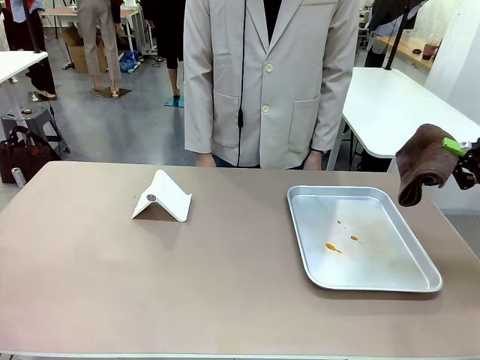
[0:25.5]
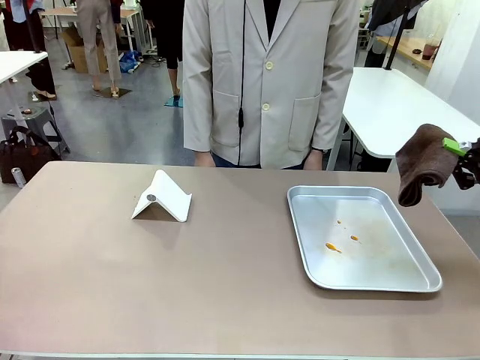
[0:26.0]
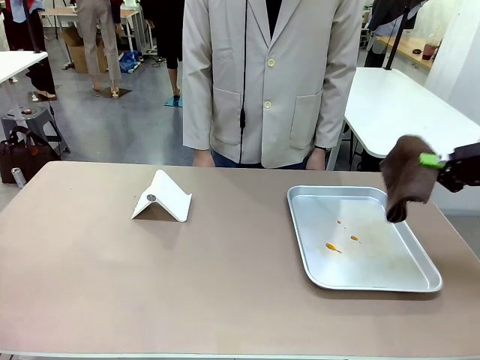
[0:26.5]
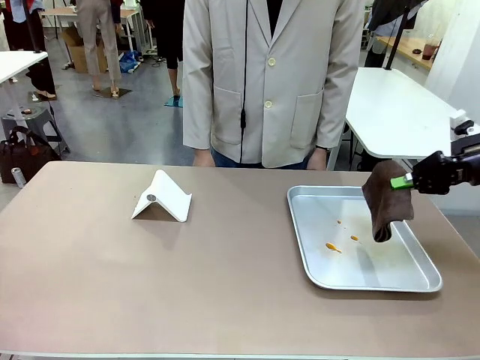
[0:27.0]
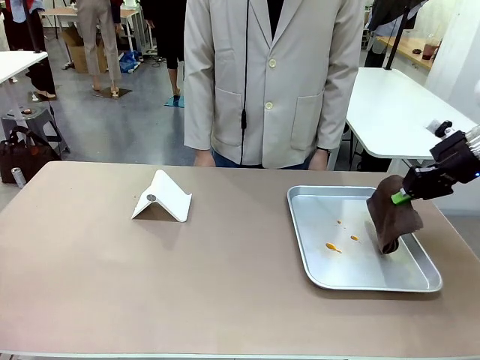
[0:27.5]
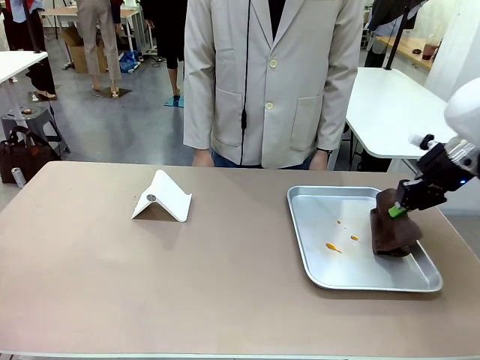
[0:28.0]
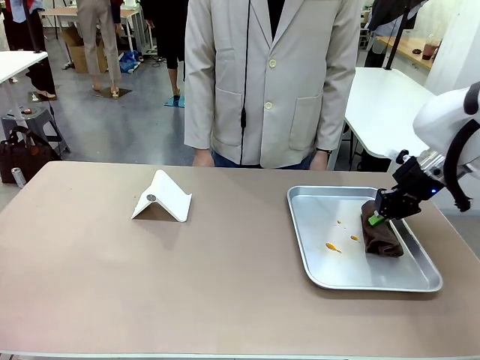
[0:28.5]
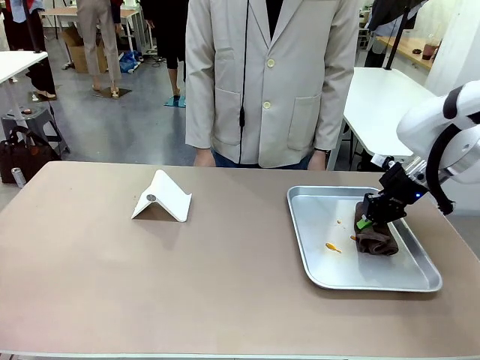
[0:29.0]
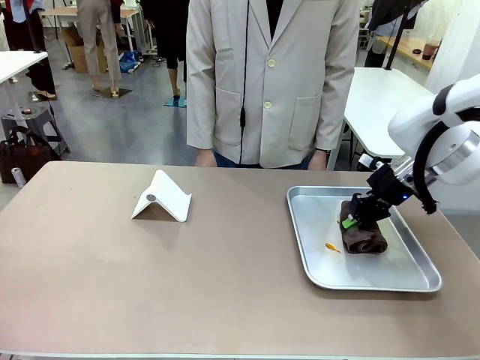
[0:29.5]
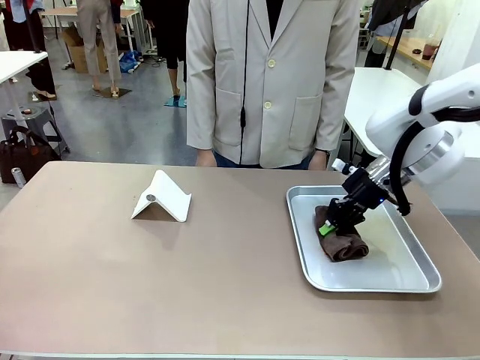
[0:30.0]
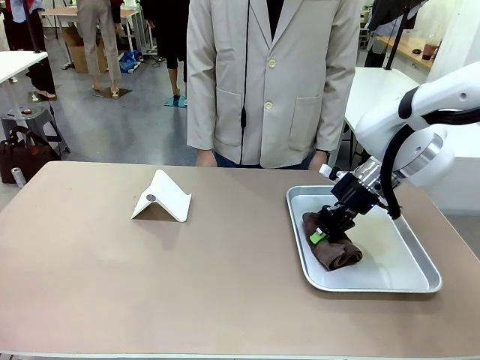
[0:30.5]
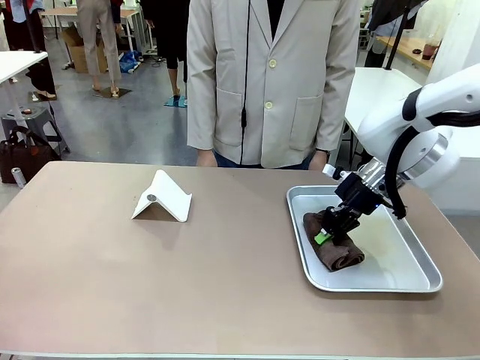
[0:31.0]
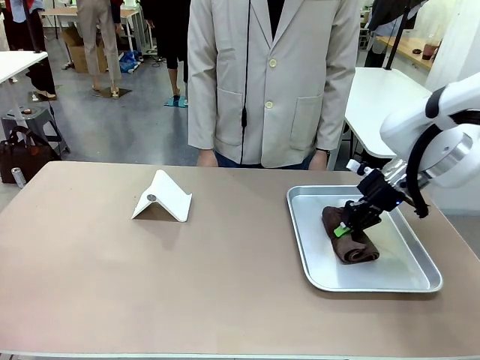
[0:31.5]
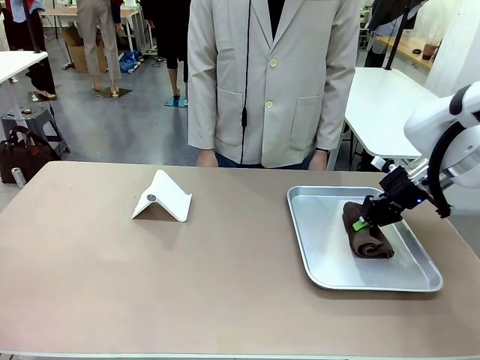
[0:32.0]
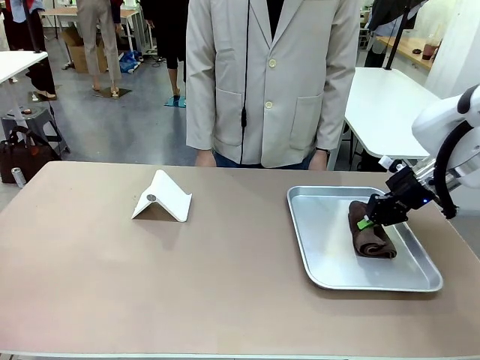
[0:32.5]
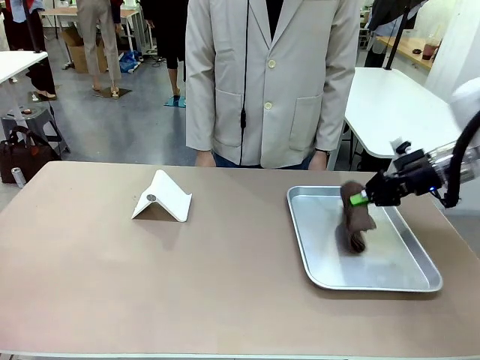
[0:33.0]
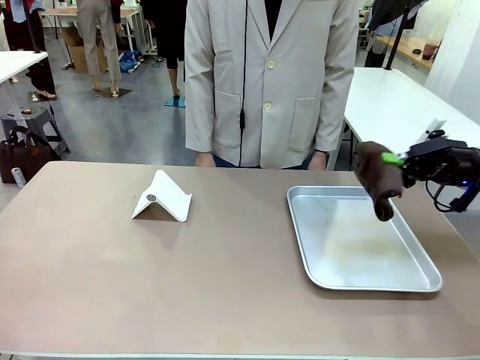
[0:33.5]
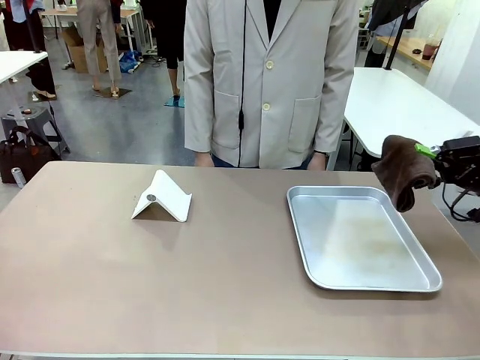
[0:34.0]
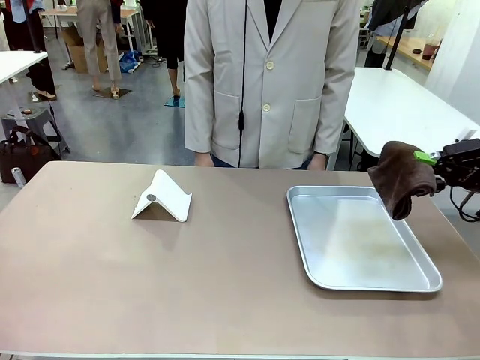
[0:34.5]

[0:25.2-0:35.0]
Task: Clean the surface of the table.
Robot: Clean the area not pointed to by the person.

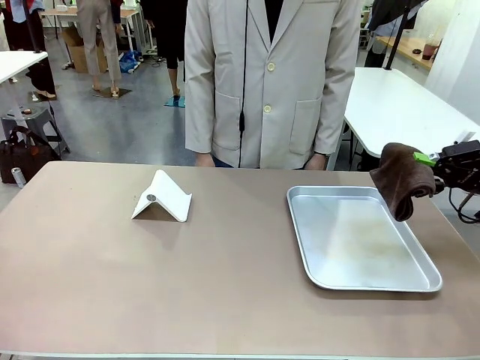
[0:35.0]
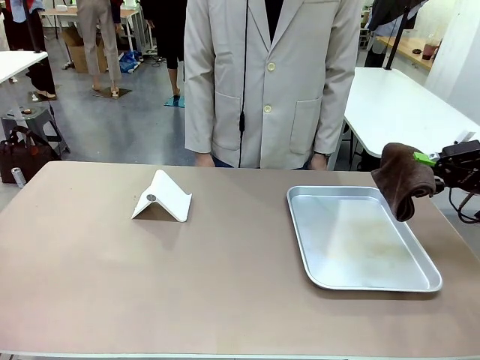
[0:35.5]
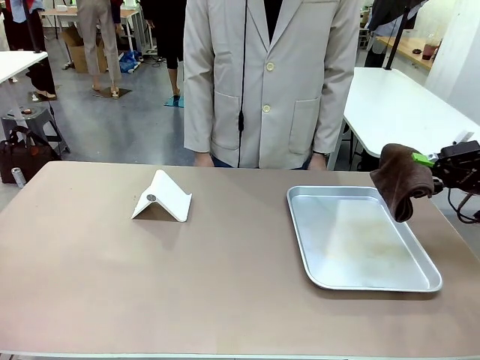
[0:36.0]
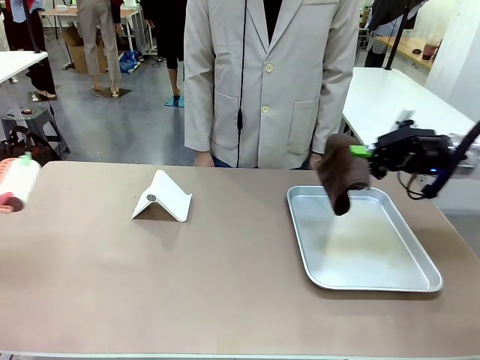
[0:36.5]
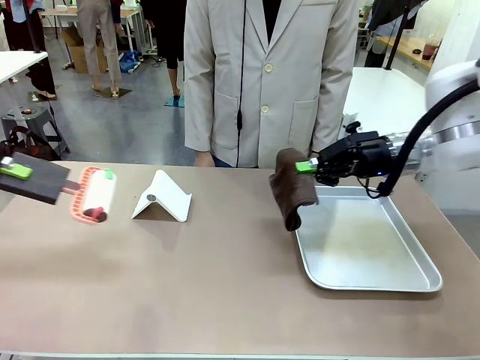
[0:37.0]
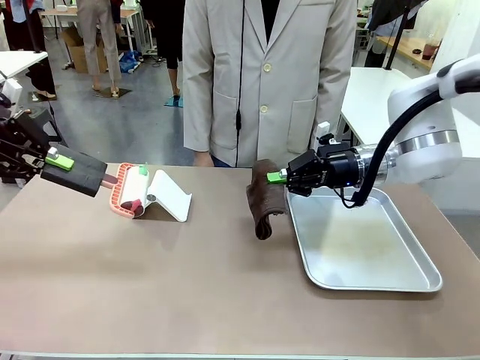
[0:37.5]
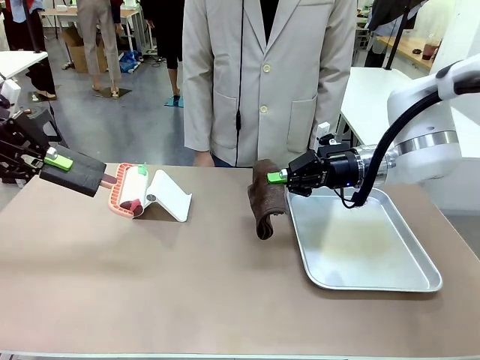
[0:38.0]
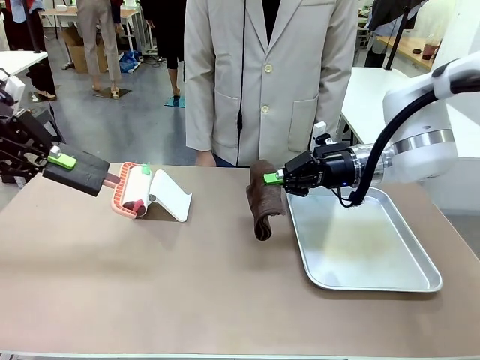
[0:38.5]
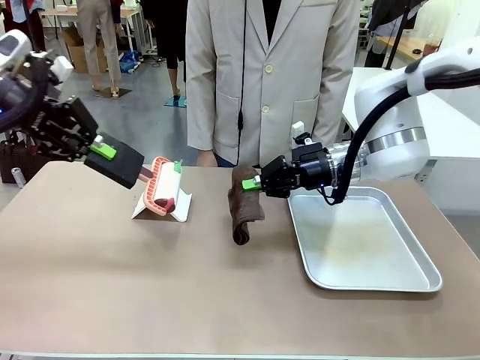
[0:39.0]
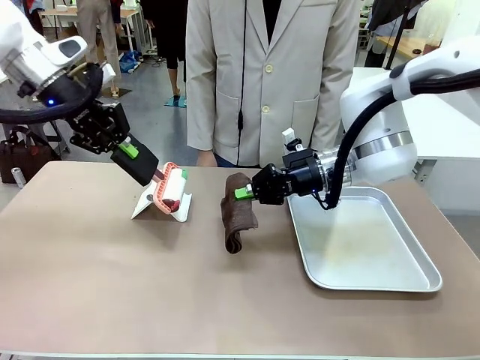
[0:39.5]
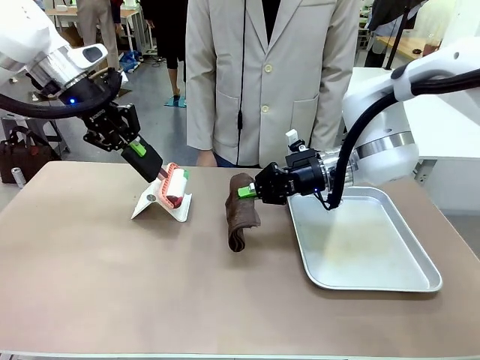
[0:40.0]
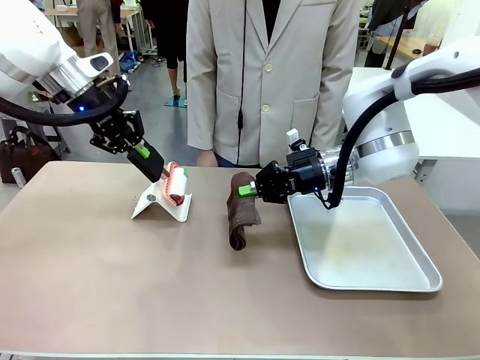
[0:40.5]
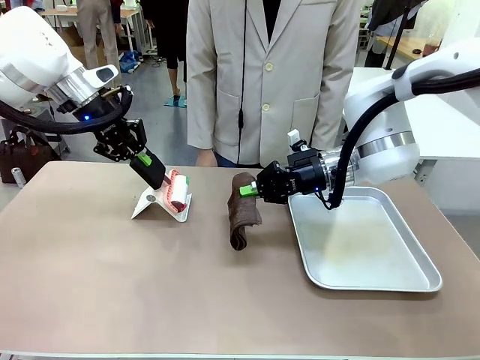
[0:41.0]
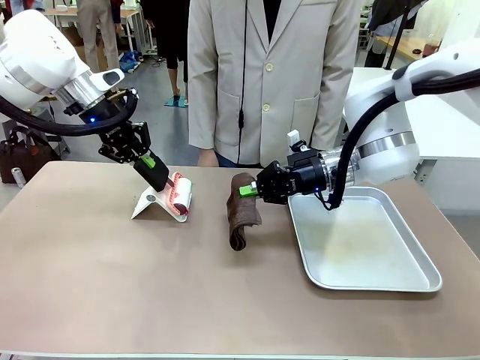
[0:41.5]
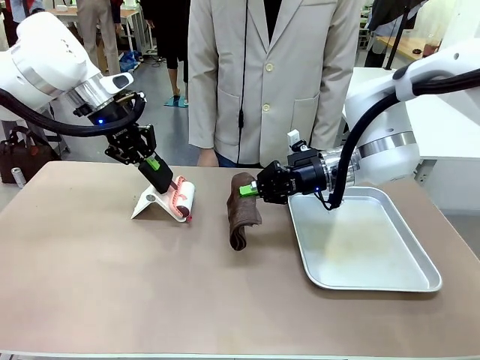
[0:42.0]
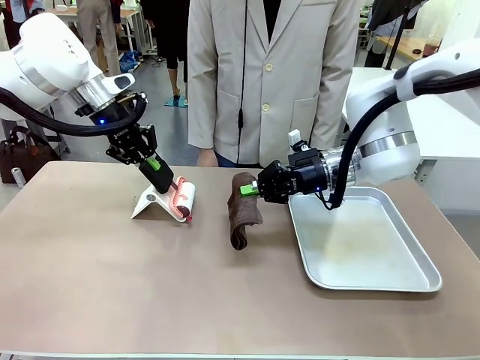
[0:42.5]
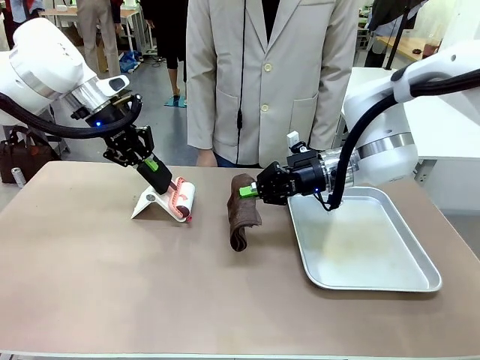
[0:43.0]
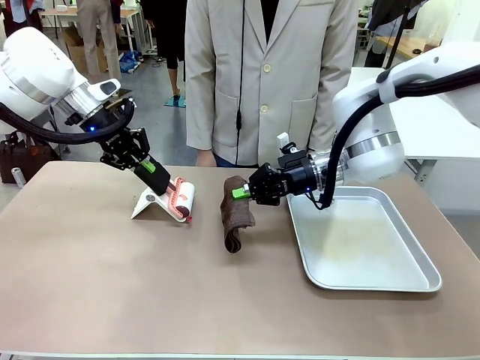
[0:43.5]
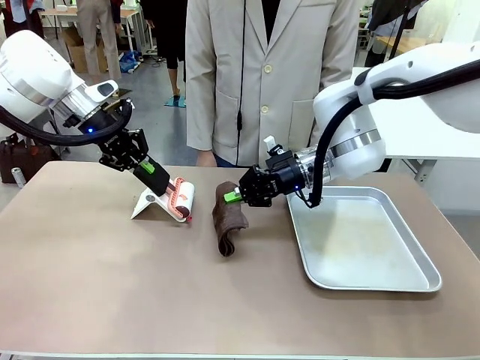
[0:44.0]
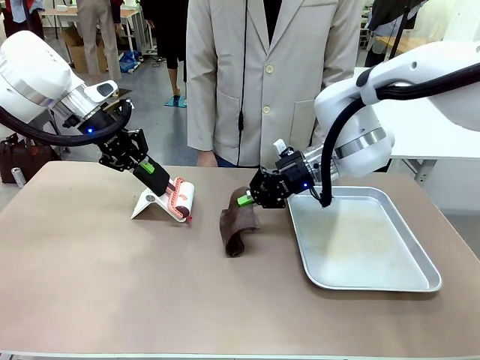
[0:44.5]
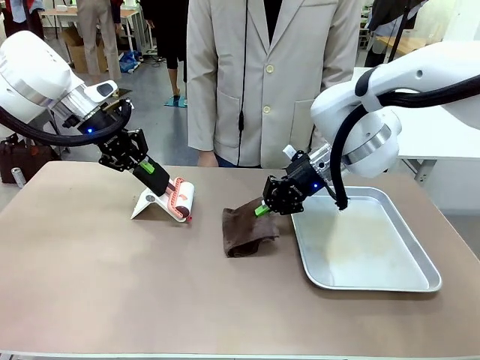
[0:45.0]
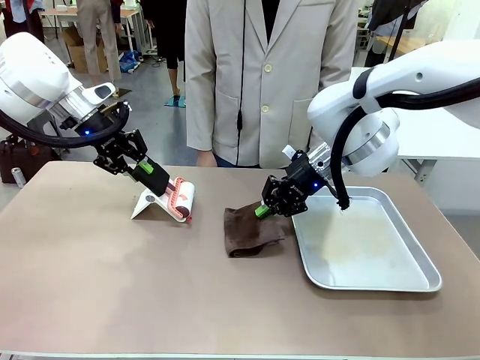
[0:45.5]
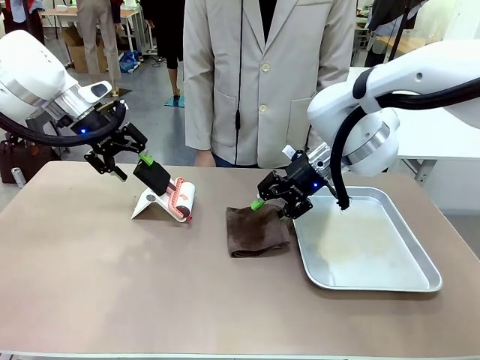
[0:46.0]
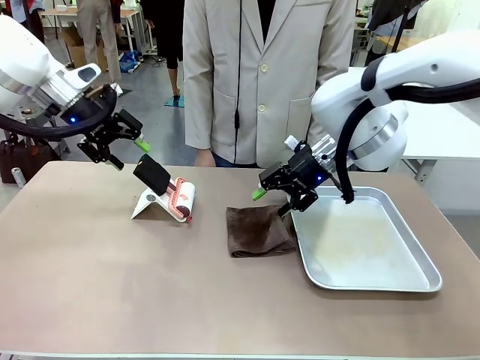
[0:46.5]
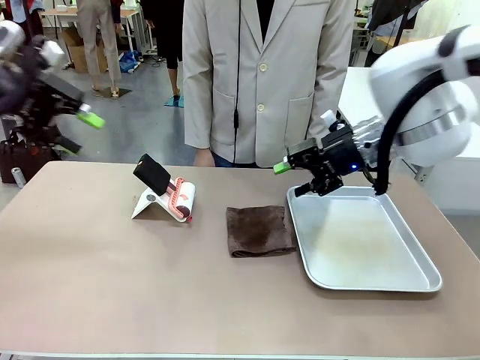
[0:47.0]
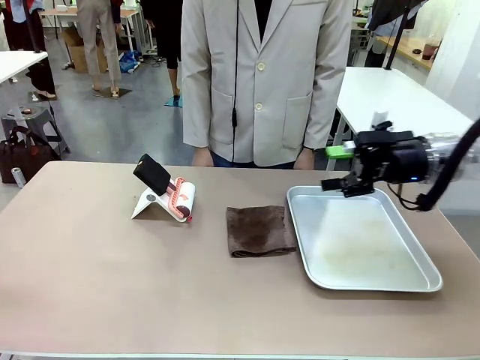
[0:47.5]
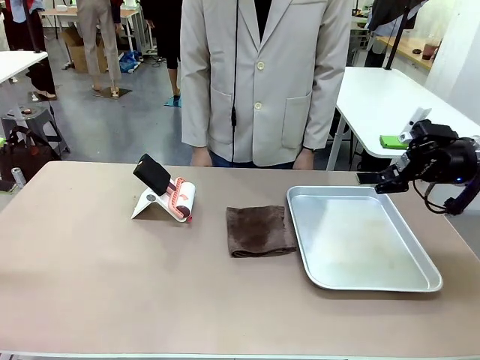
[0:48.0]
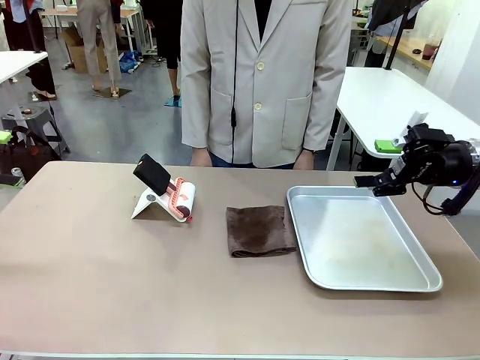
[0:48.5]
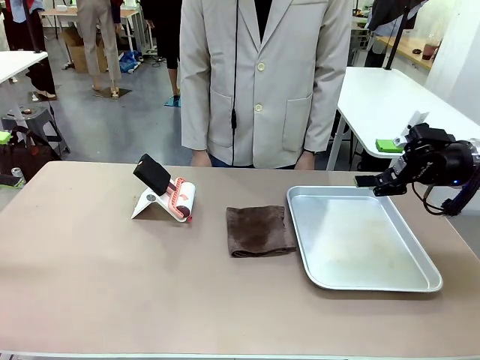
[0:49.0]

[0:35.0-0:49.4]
Robot: Return the Lint Roller and towel to their original positions.
